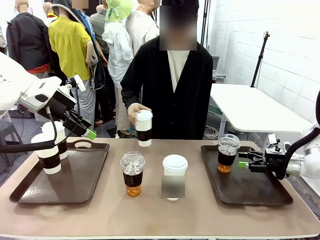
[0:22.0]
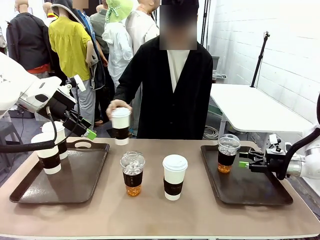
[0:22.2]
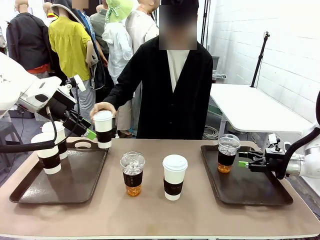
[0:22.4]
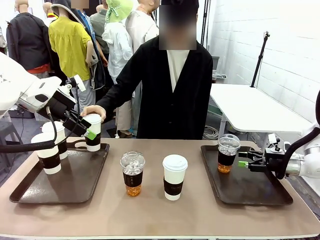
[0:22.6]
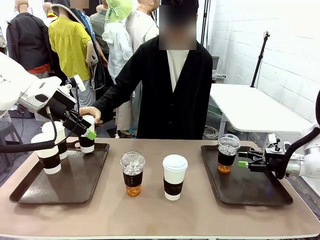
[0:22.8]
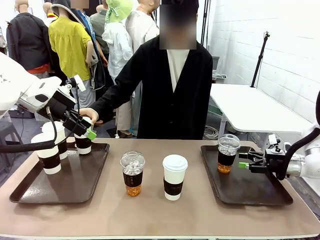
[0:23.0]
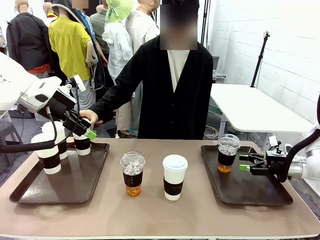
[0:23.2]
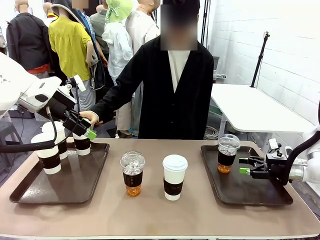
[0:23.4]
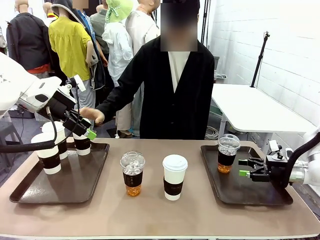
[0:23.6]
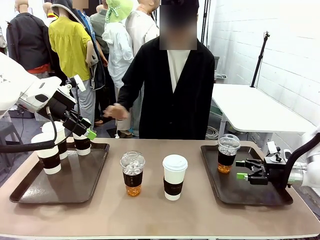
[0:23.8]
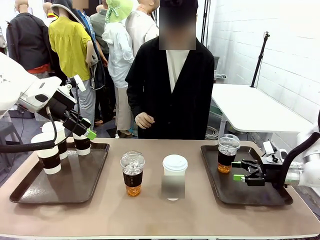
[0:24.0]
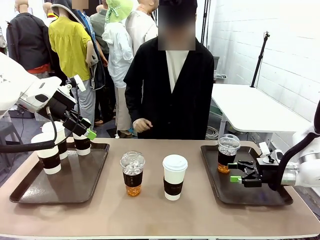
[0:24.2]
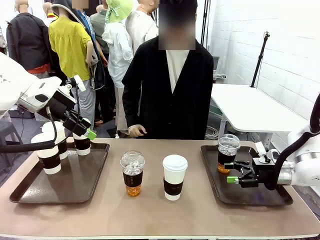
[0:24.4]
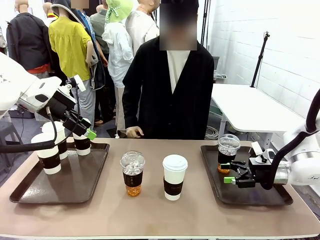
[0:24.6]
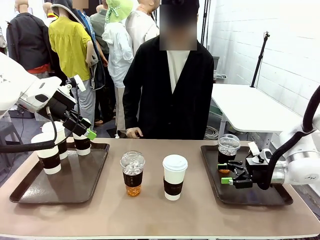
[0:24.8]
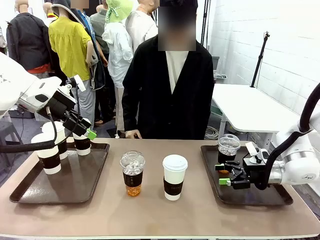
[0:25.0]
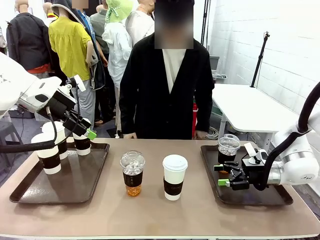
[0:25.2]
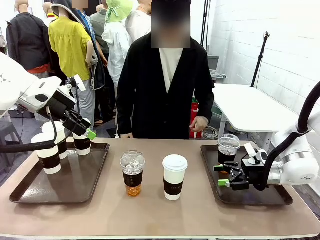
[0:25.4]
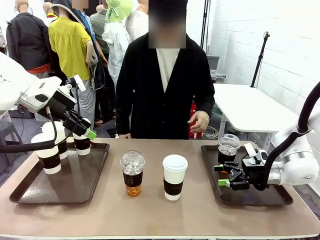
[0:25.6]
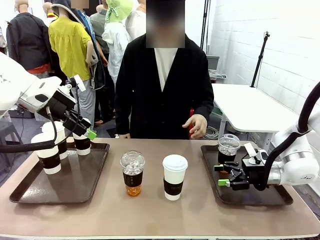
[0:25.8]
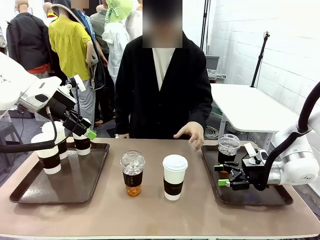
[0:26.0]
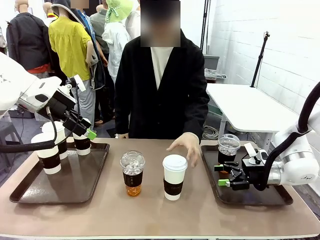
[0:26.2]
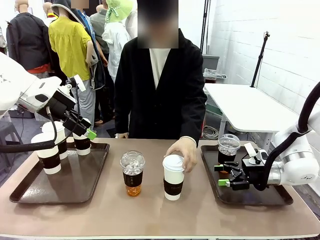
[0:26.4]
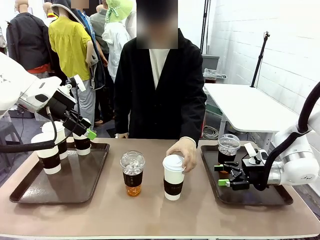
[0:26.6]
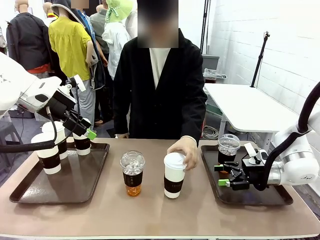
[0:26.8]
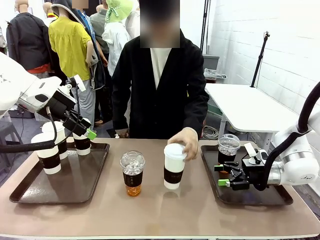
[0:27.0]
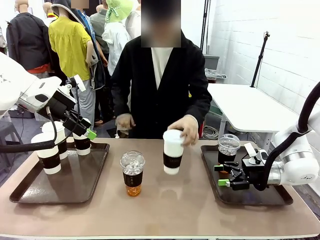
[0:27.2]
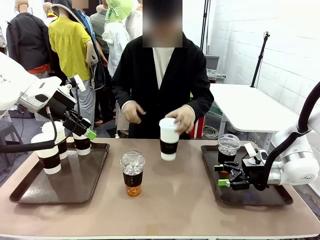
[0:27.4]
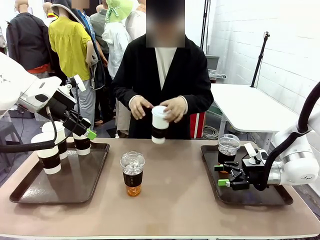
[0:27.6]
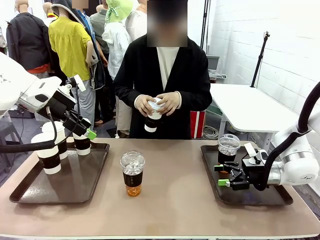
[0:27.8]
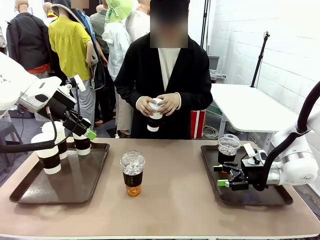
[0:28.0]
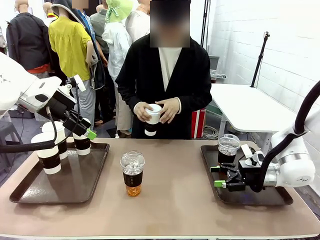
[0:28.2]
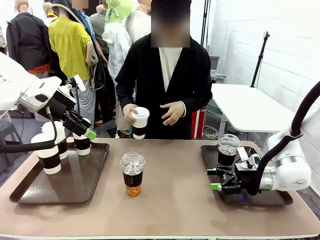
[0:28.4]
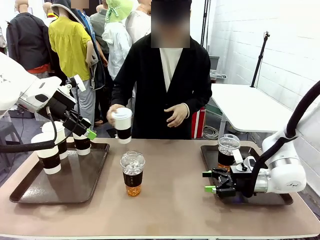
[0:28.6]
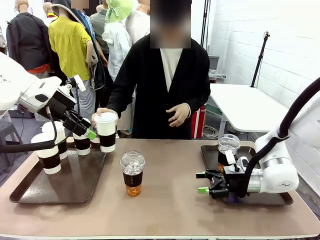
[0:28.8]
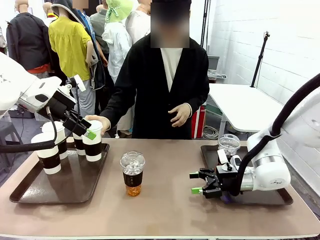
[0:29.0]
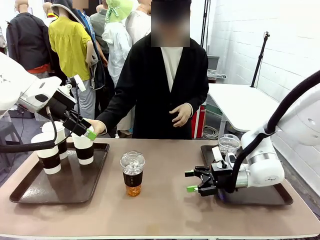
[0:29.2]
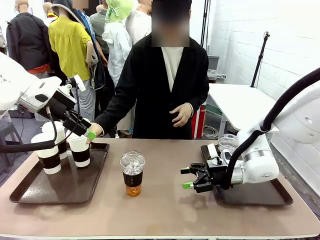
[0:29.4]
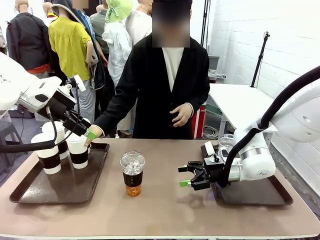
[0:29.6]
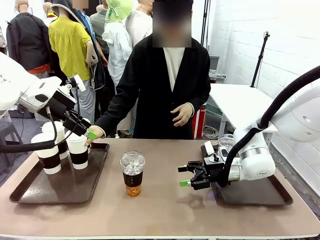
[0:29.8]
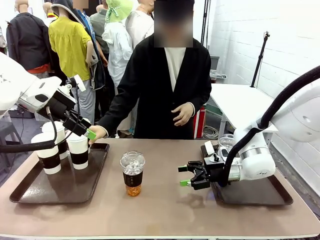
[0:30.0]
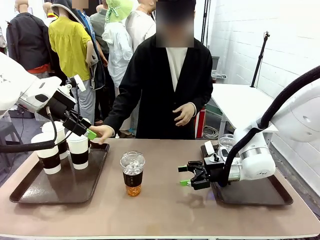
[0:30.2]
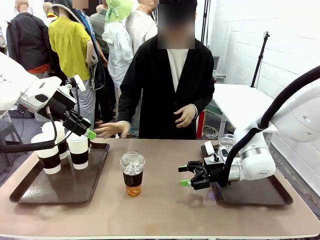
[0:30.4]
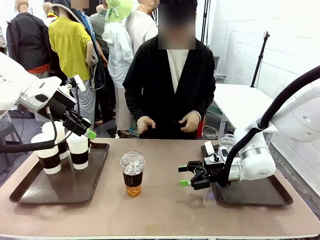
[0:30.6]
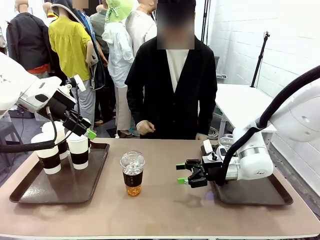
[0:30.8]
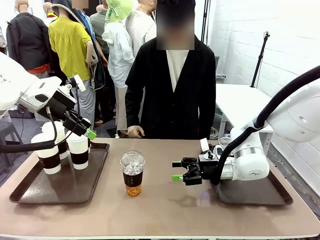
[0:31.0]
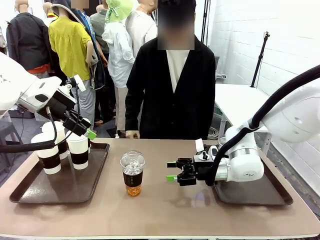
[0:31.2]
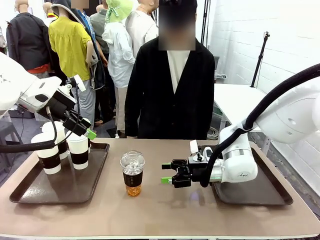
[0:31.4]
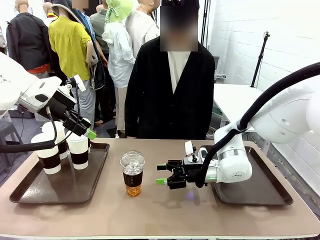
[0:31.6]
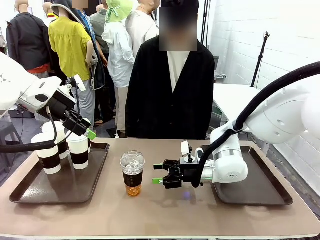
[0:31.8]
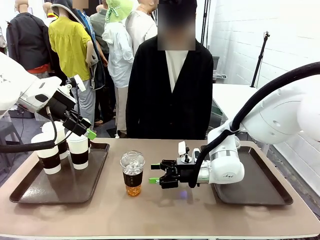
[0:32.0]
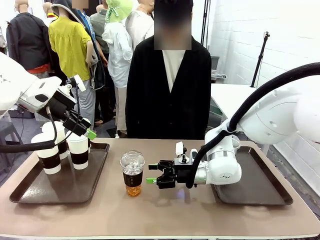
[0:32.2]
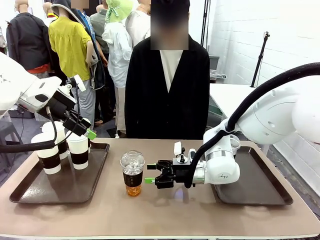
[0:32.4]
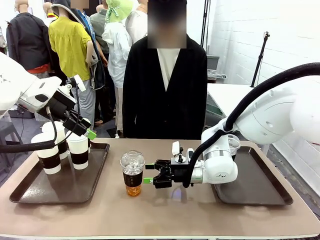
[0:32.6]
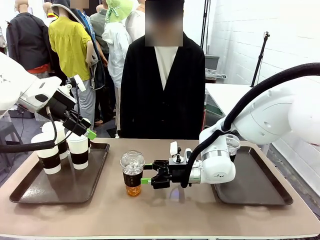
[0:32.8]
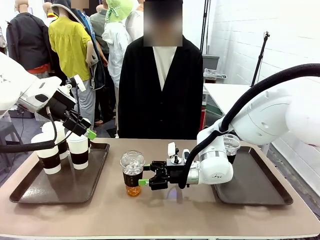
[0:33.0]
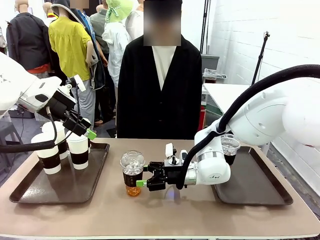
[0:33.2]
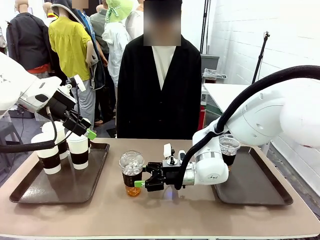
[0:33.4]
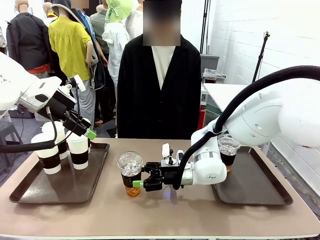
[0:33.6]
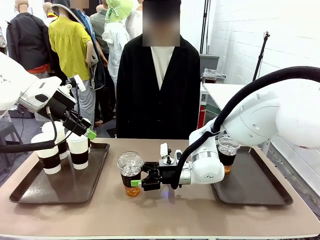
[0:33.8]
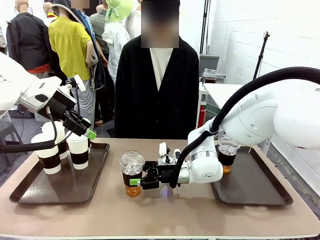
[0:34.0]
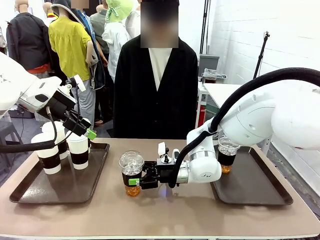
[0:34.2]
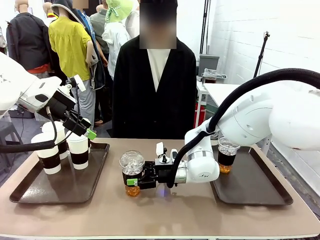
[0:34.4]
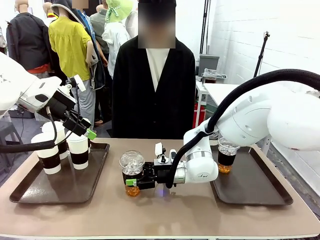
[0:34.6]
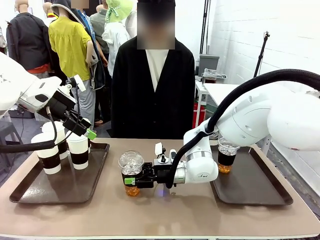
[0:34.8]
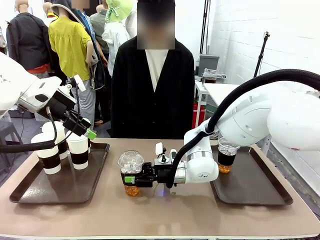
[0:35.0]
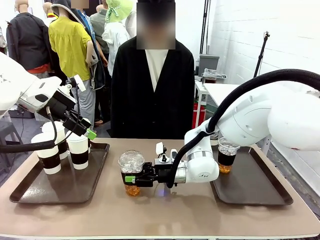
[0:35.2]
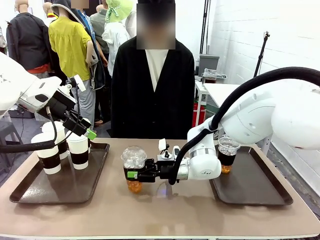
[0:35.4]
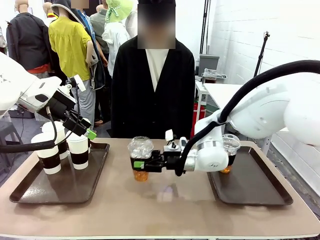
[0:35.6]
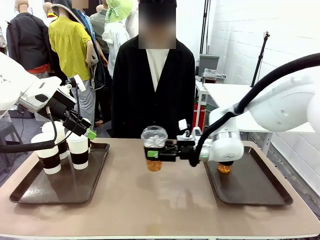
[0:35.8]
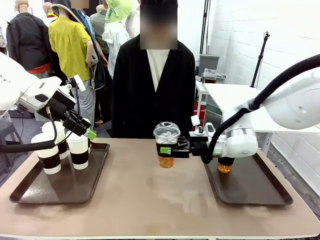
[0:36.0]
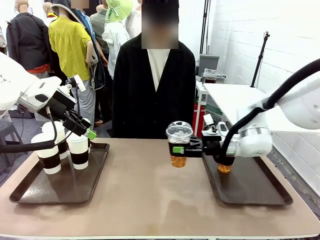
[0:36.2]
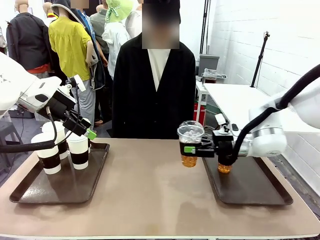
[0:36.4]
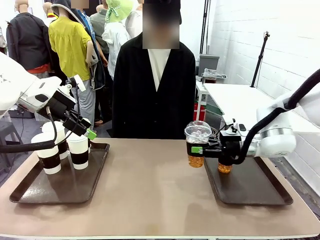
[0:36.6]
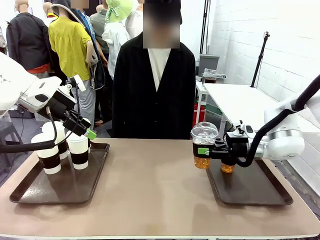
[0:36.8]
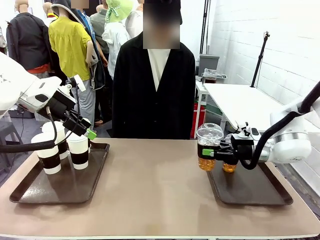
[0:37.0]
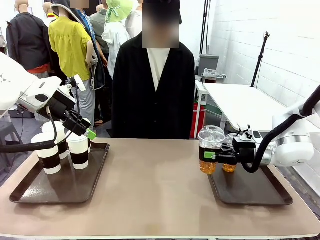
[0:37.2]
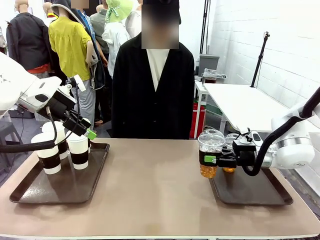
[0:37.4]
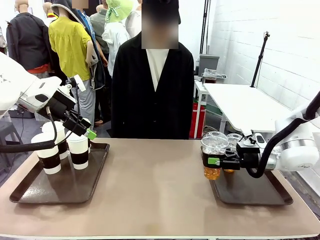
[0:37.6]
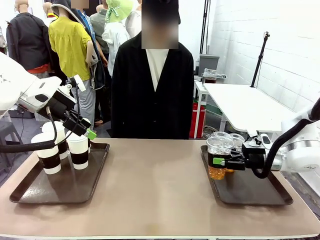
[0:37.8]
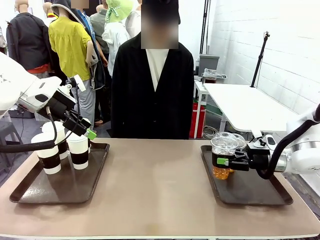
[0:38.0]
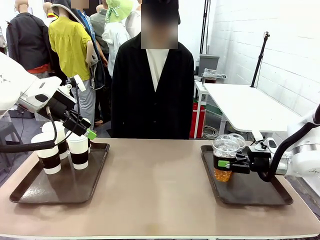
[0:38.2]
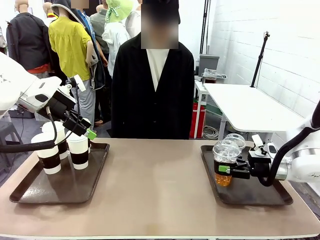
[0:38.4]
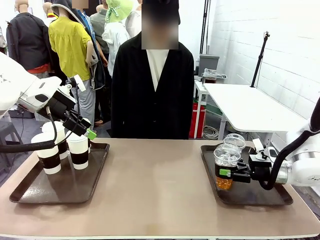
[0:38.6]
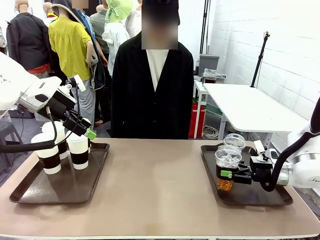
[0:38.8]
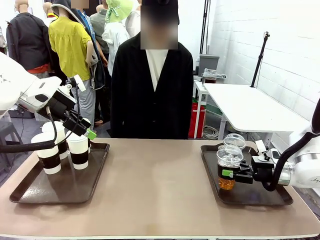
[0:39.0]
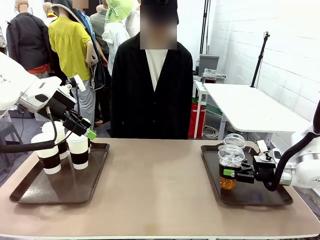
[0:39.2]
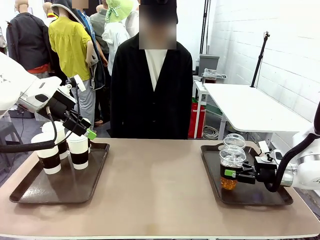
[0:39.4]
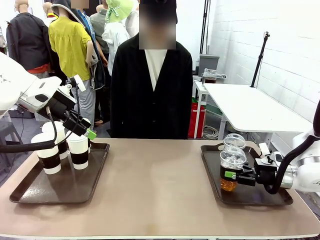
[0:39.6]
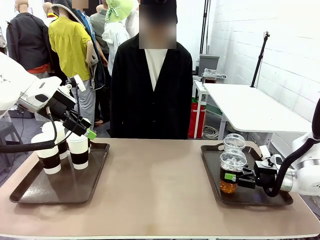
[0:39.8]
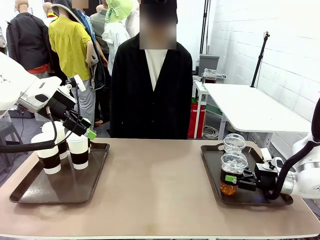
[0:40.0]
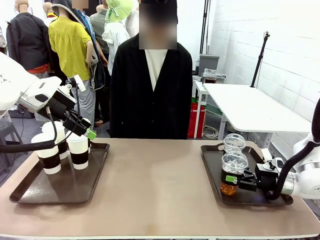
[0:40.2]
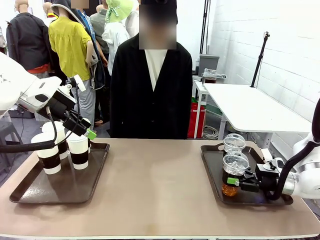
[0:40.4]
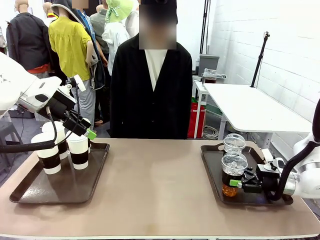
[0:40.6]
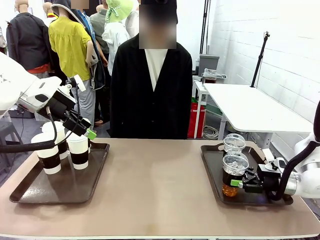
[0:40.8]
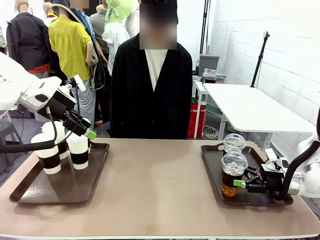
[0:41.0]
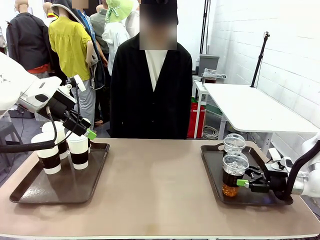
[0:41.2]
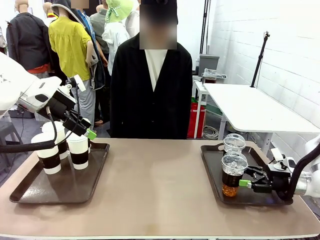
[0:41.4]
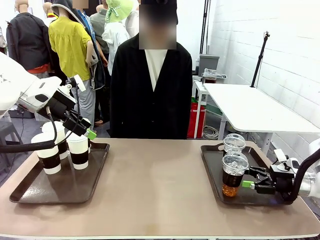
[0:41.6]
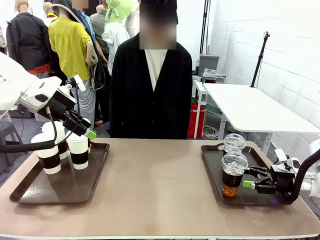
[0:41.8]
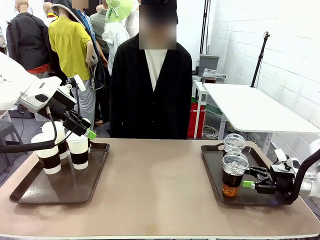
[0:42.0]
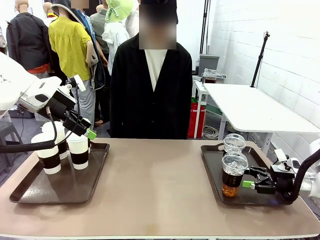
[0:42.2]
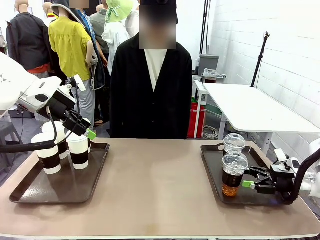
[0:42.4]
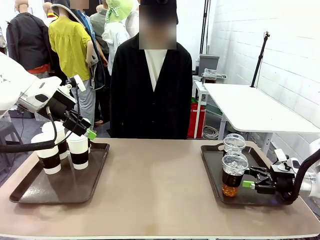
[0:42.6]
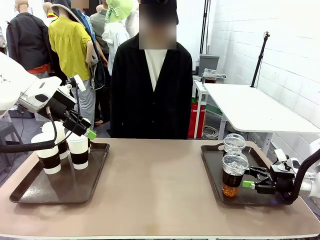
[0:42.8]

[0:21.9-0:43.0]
Task: Distribute the coffee onto the tray.
Robot: Pick up another iced Americano from the middle of the table and place it on the right Handle tray.
Person: Pick up a cup of hot Americano from the middle of the table and place it on the right tray.
